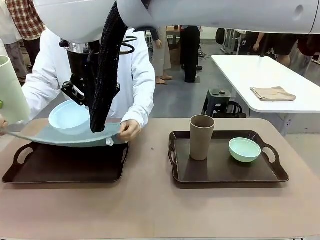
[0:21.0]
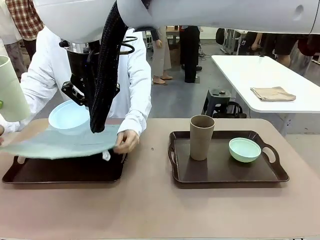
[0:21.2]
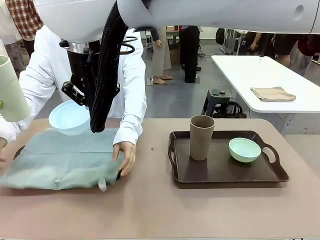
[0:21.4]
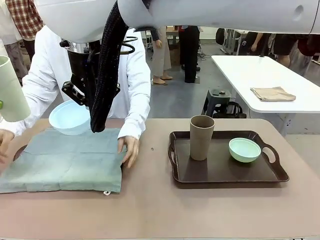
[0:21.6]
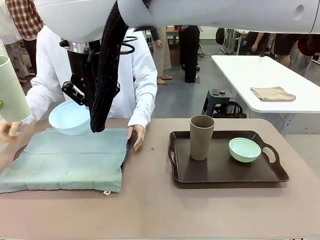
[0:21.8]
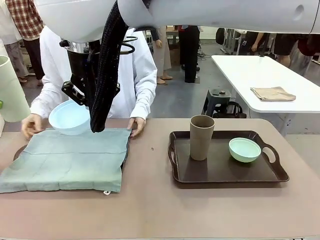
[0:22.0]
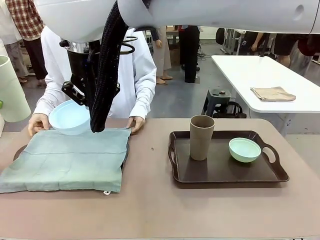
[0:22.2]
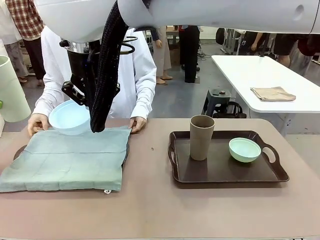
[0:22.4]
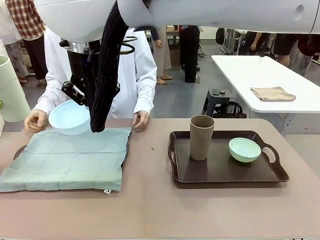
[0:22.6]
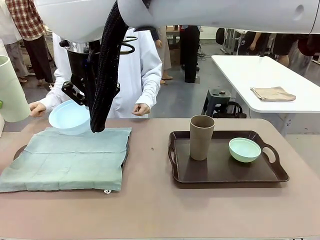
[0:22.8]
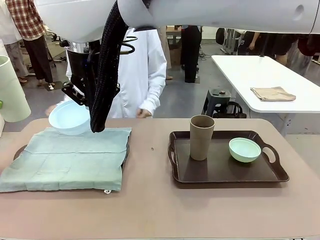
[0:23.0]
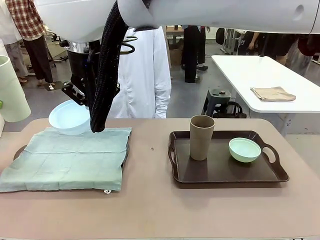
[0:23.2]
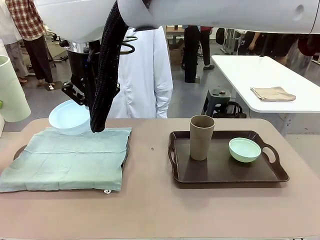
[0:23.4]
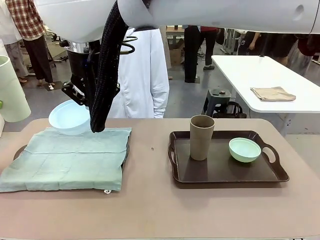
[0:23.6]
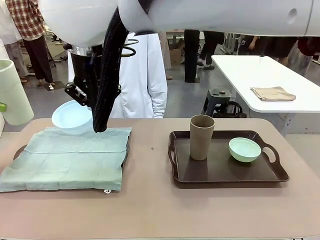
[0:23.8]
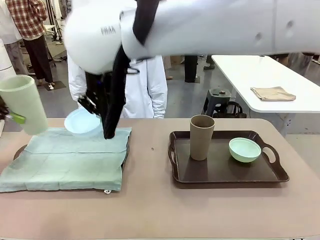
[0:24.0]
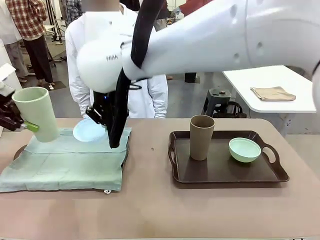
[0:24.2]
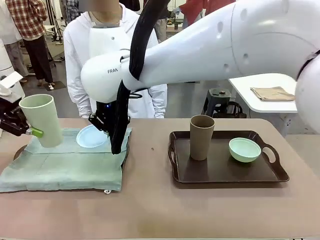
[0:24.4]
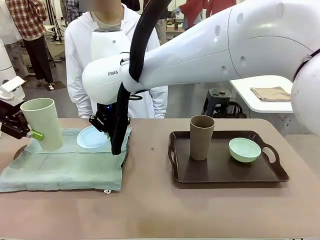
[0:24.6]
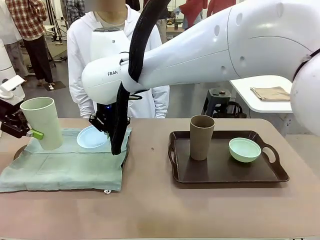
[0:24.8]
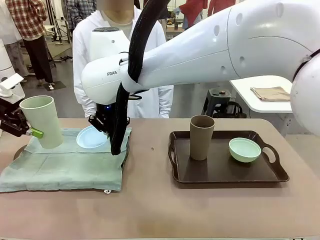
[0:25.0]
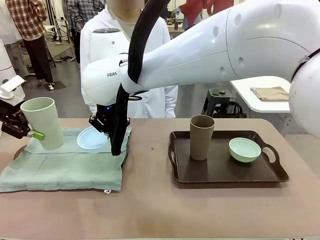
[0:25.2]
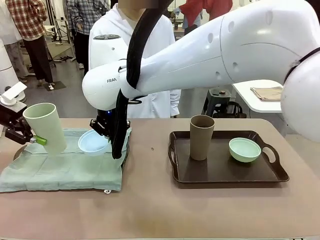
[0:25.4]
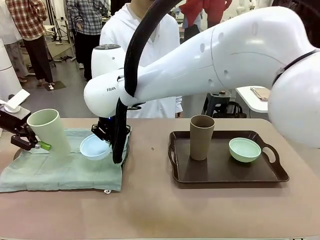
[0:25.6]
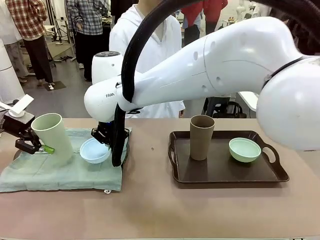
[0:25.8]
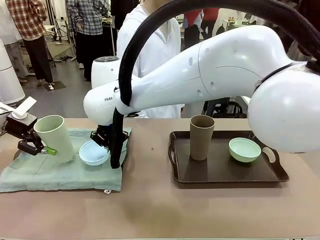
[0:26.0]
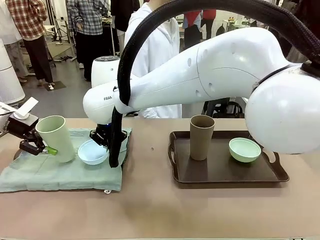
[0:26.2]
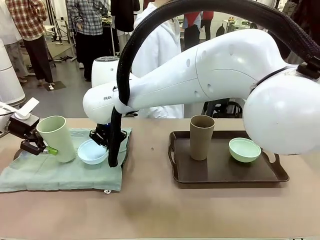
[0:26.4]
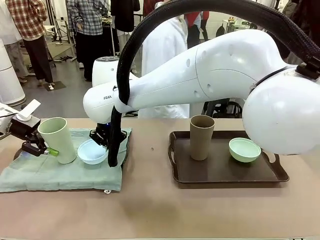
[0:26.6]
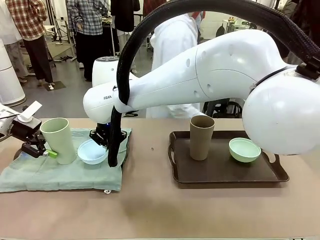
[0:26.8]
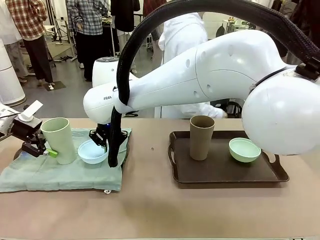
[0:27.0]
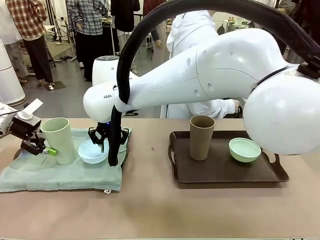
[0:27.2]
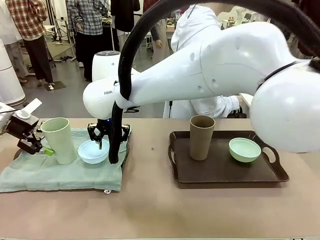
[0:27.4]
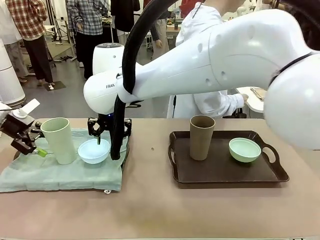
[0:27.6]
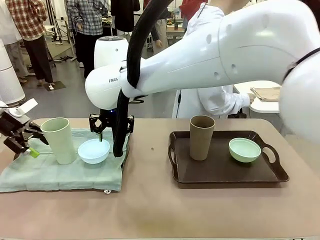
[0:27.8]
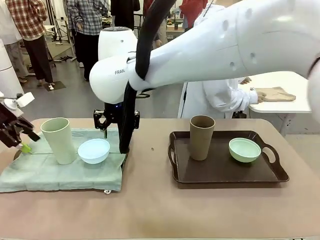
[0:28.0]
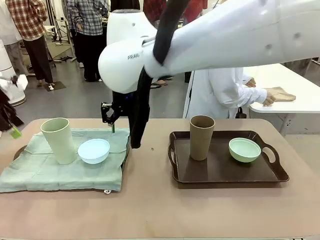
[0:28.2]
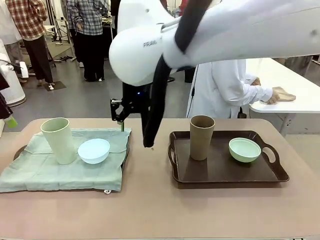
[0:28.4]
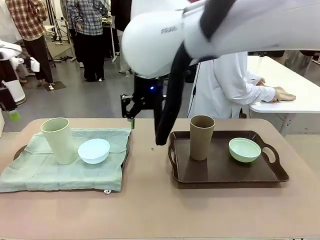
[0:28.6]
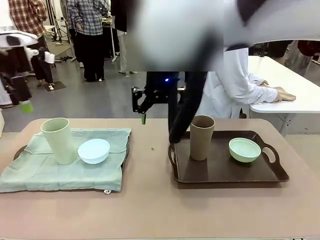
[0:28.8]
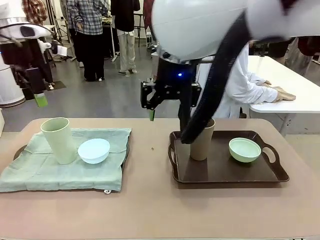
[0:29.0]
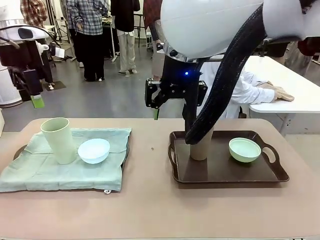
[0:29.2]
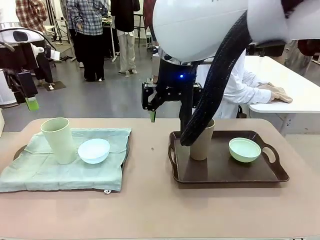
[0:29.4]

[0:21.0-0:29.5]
Robot: Place the Picnic Bowl and Reusable plastic cup back onto the Handle tray in front of the human's position.
Person: The human returns to the human table to pick up another napkin and walks to the robot table to stand in front of the tray without a napkin.

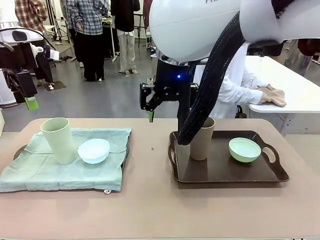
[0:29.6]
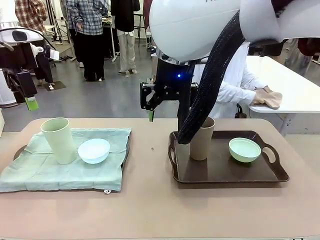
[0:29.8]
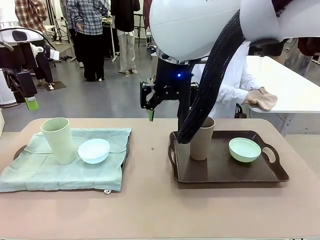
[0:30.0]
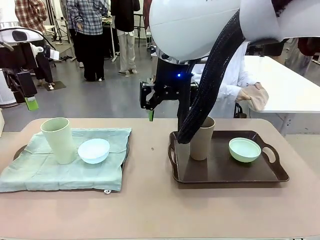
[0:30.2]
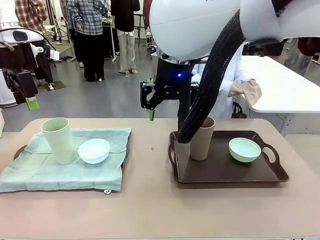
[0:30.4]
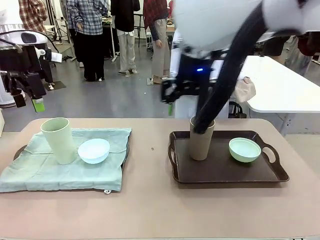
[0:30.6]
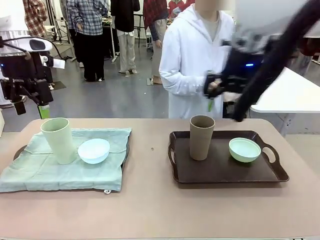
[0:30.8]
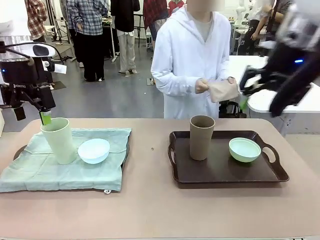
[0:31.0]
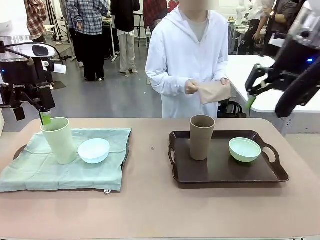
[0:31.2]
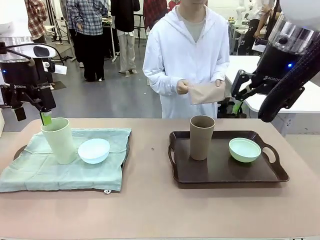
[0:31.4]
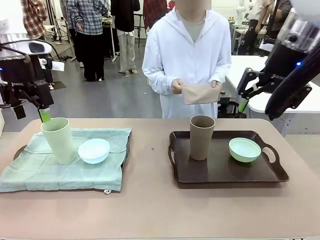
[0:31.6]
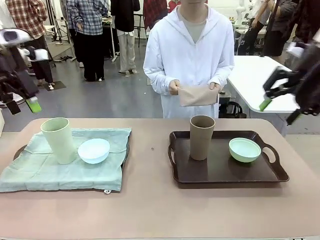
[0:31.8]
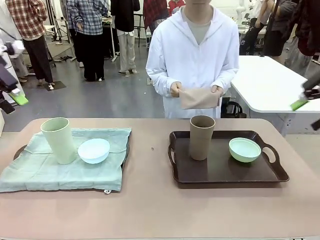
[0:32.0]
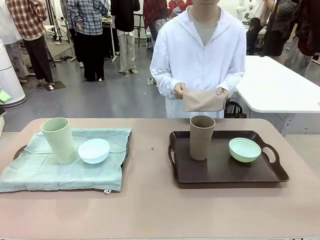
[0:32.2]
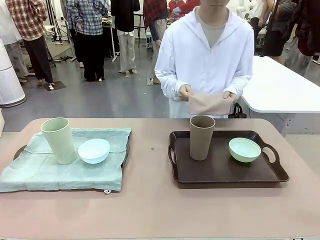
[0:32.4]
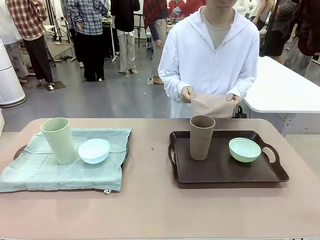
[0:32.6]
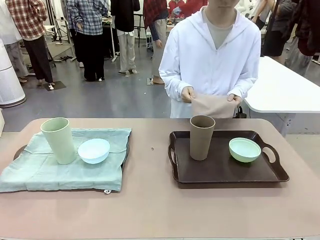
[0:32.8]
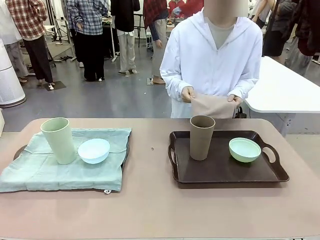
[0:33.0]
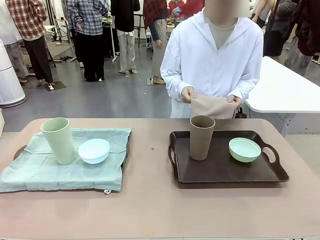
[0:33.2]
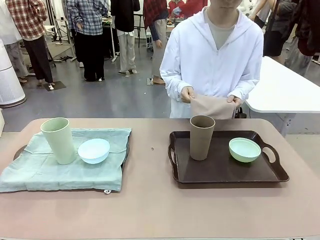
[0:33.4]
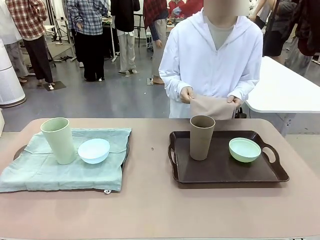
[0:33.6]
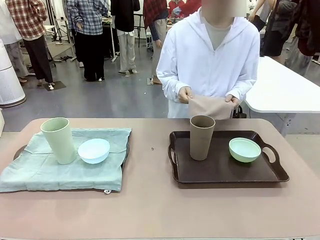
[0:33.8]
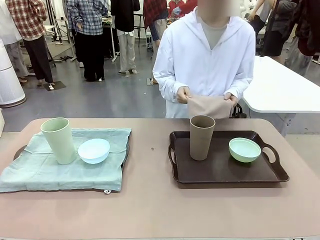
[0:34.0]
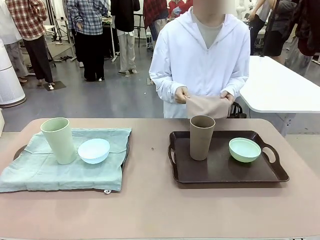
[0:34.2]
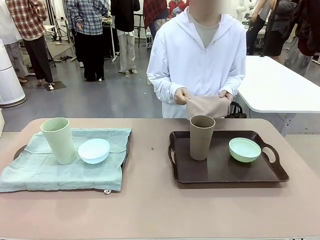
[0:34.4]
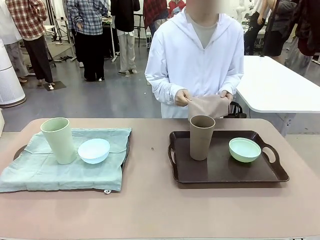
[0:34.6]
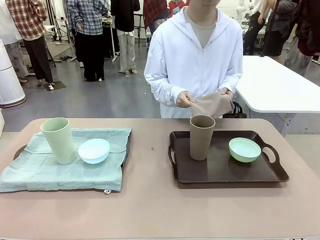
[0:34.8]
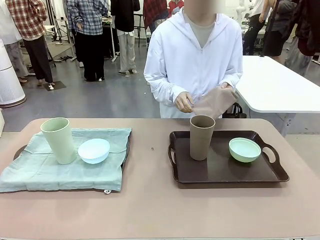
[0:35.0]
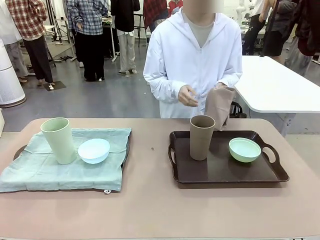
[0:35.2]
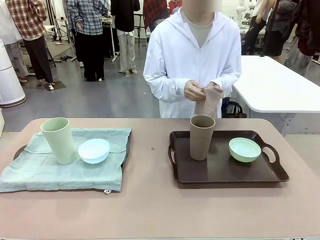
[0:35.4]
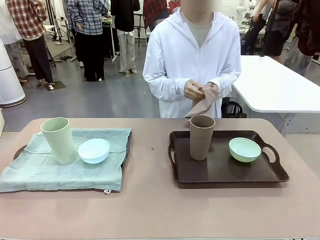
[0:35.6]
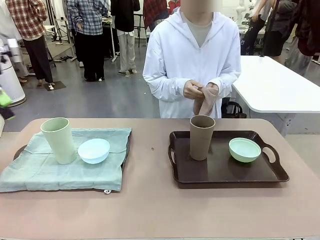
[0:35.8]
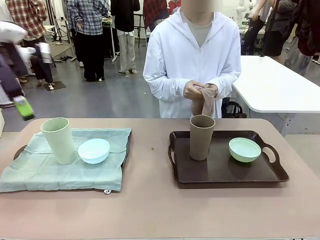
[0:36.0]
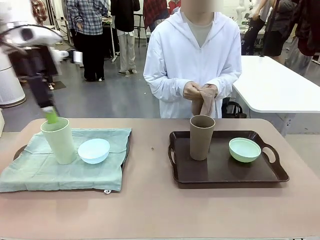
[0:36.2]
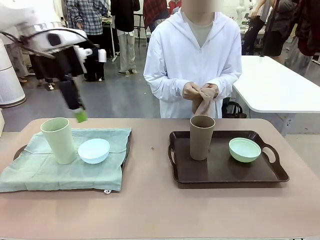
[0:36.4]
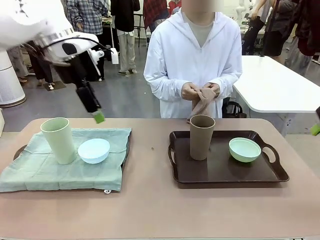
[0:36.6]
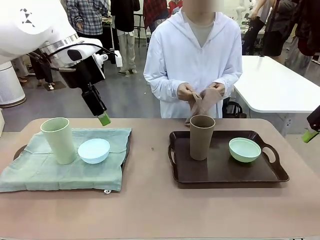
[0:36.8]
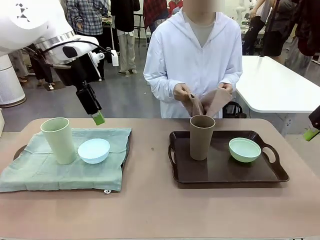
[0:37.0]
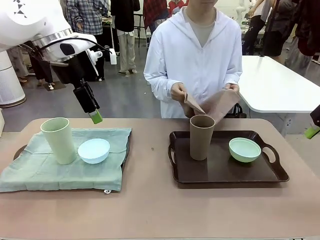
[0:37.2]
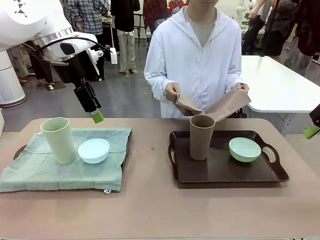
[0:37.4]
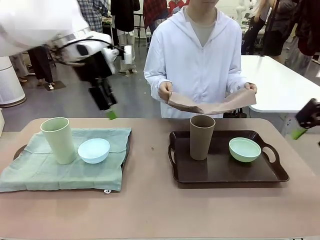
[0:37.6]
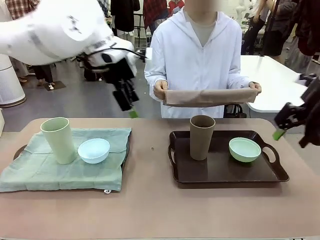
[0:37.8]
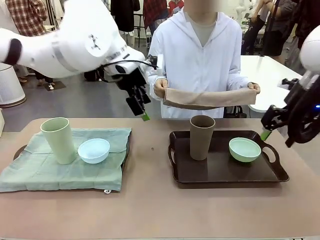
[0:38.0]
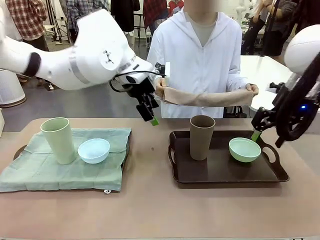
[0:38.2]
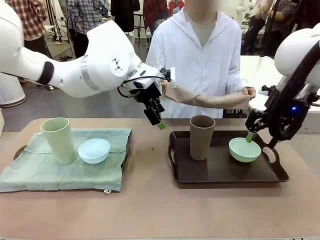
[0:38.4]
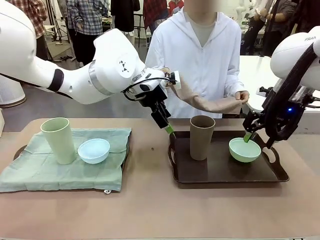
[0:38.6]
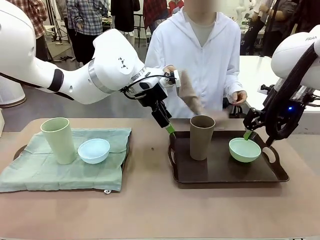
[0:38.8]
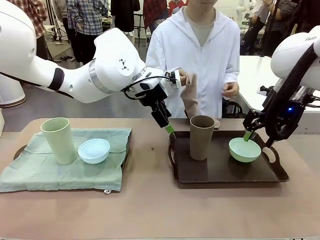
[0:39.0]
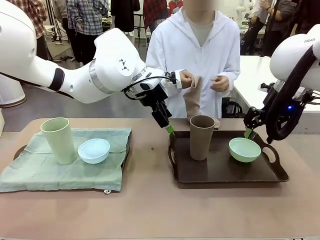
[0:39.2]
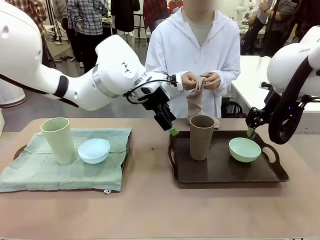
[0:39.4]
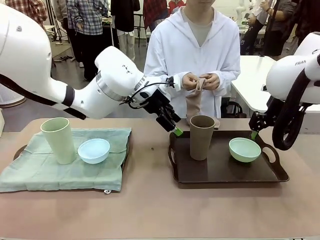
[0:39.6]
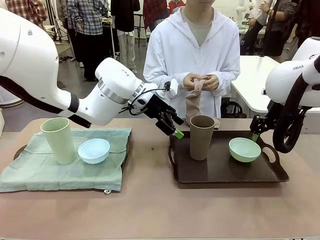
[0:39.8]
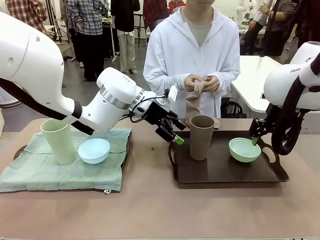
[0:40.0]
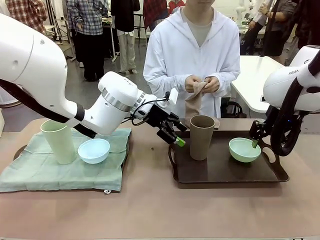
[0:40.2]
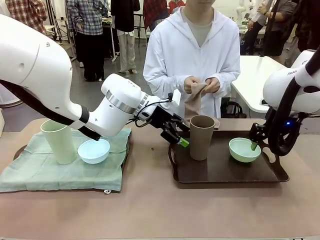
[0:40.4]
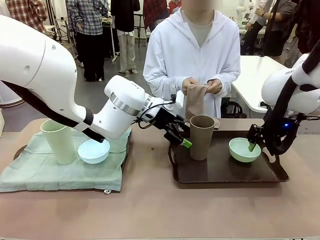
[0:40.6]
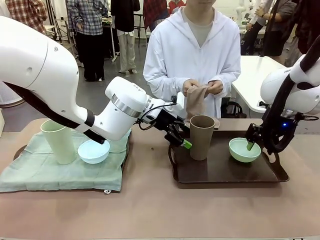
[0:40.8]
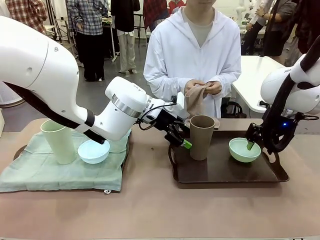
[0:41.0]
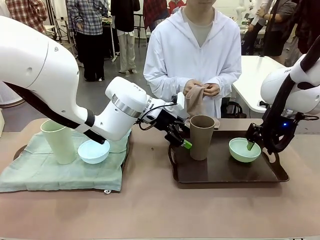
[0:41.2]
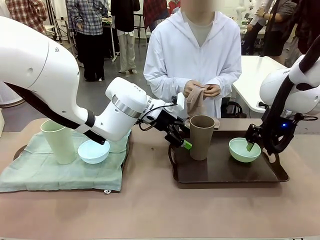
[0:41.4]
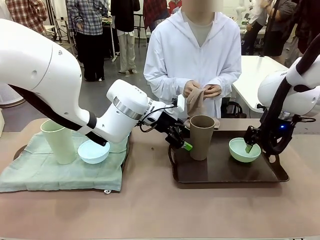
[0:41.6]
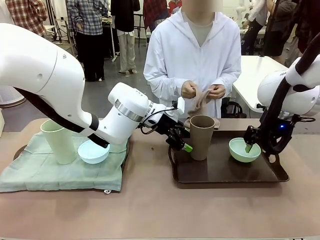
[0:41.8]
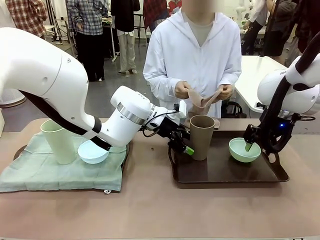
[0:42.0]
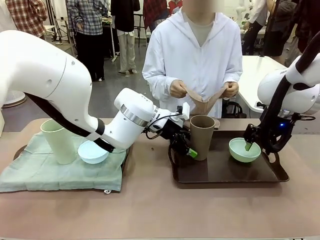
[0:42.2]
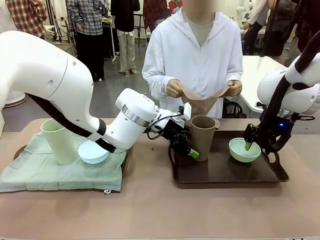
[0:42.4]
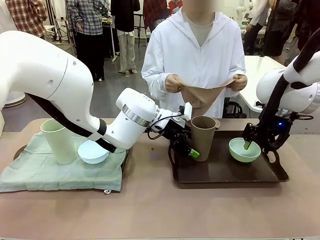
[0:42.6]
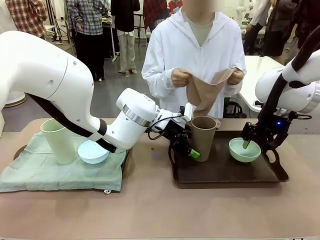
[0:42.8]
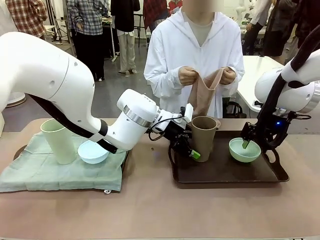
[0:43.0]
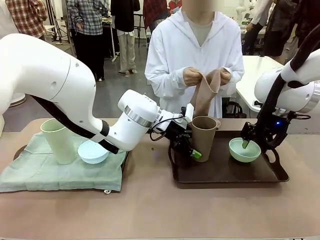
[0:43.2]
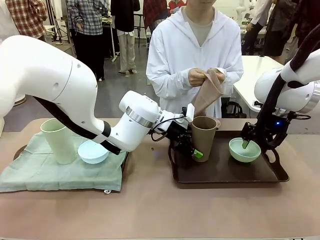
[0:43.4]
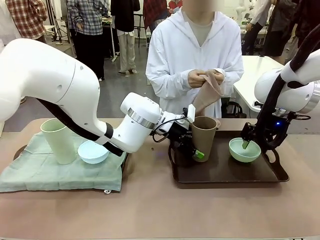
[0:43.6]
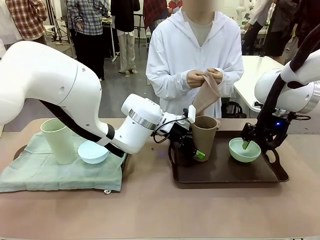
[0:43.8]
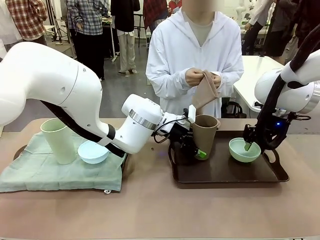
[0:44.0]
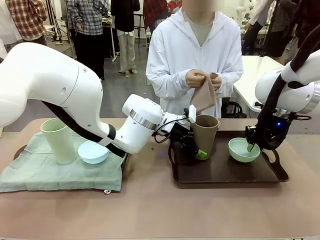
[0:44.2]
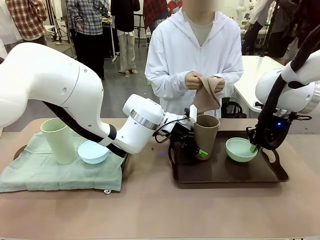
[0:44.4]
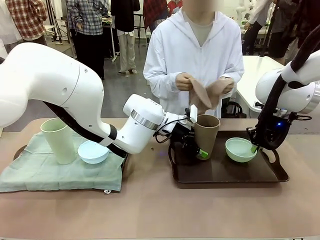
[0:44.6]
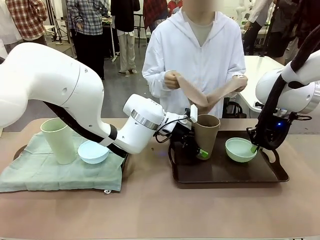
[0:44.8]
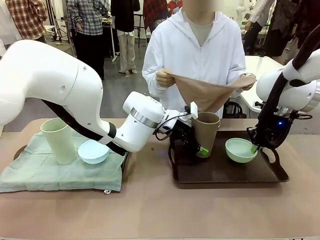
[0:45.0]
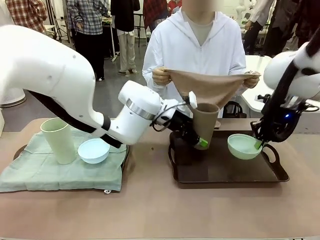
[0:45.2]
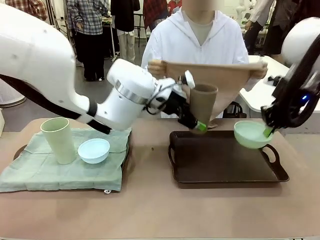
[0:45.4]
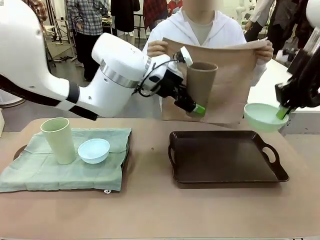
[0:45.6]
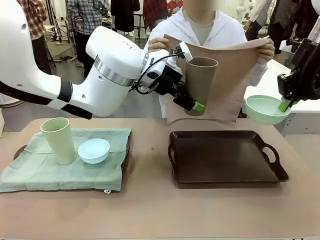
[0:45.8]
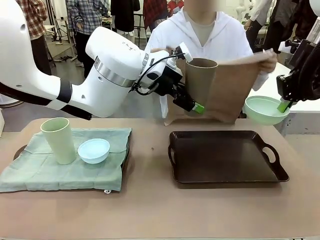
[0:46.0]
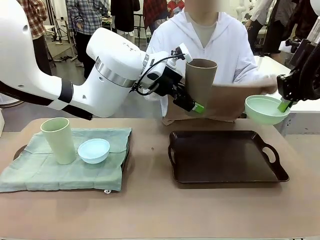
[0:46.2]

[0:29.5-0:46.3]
Robot: Pick up the Picnic Bowl and Reusable plastic cup from the Handle tray in front of the human's position and hold them in the air.
